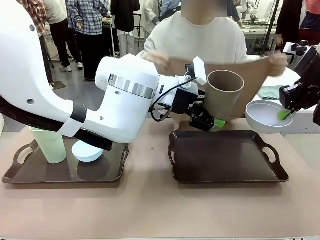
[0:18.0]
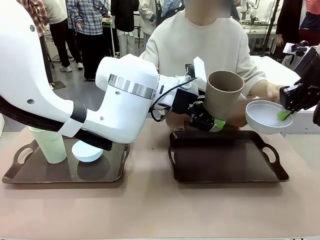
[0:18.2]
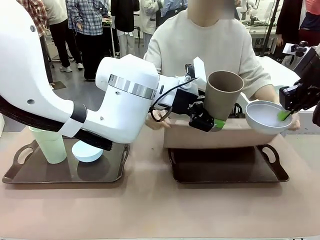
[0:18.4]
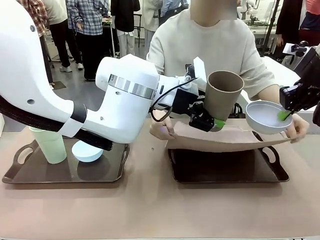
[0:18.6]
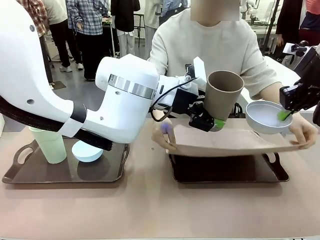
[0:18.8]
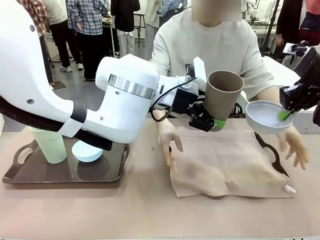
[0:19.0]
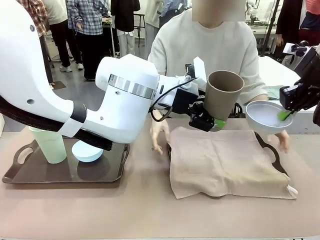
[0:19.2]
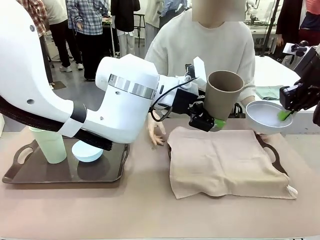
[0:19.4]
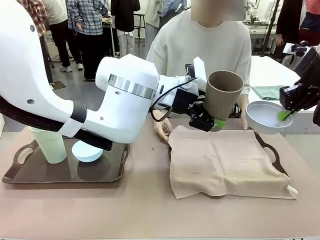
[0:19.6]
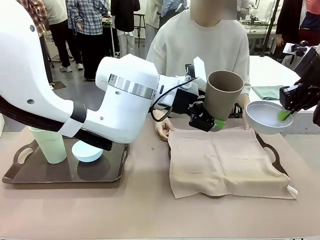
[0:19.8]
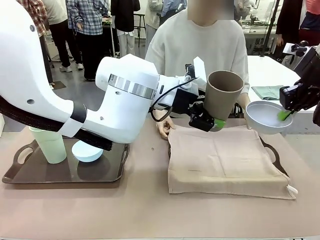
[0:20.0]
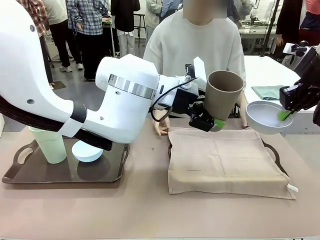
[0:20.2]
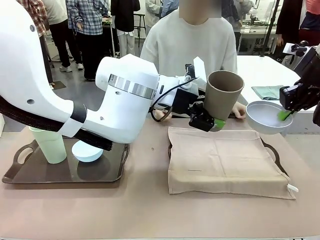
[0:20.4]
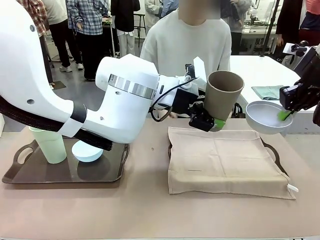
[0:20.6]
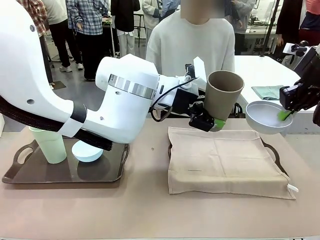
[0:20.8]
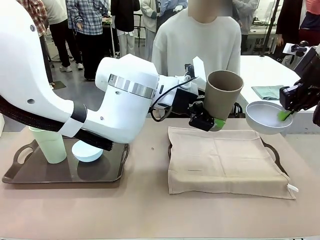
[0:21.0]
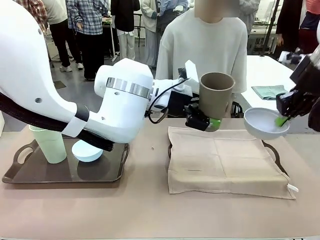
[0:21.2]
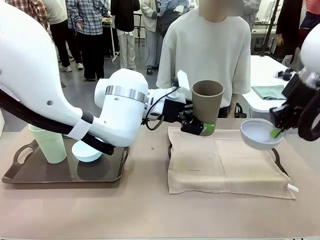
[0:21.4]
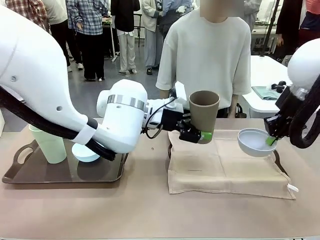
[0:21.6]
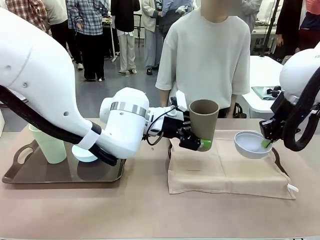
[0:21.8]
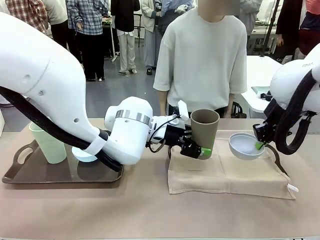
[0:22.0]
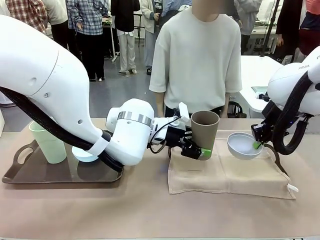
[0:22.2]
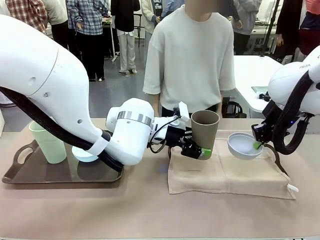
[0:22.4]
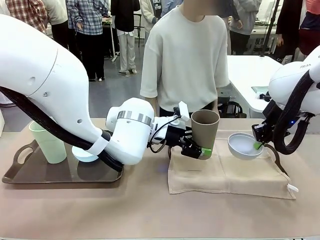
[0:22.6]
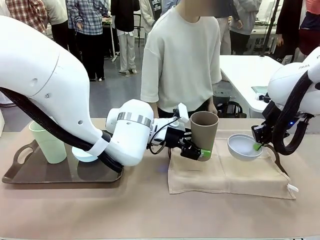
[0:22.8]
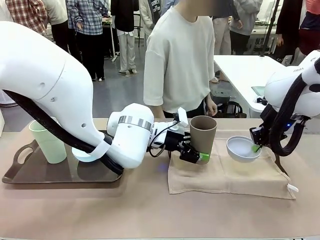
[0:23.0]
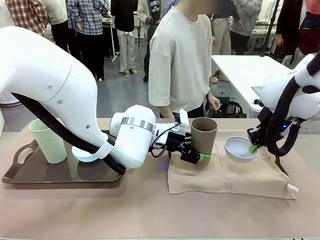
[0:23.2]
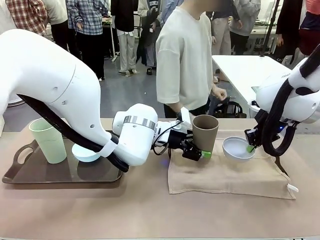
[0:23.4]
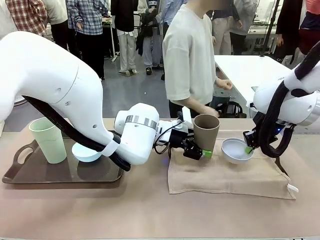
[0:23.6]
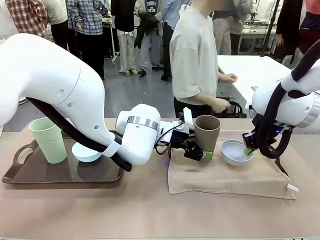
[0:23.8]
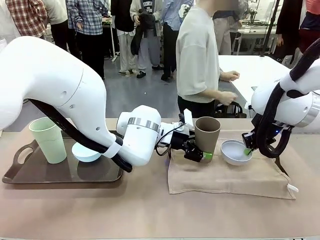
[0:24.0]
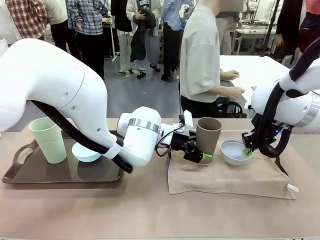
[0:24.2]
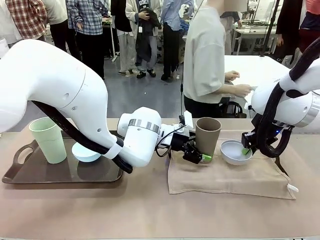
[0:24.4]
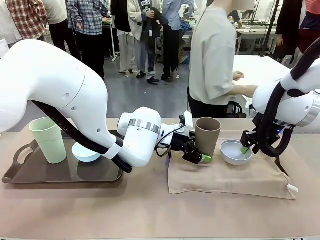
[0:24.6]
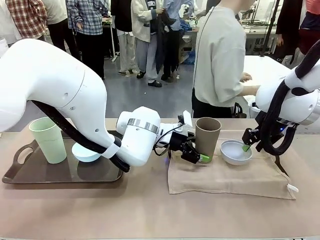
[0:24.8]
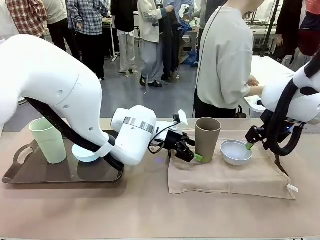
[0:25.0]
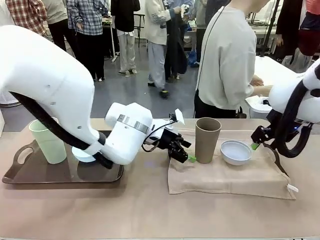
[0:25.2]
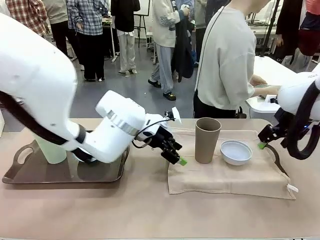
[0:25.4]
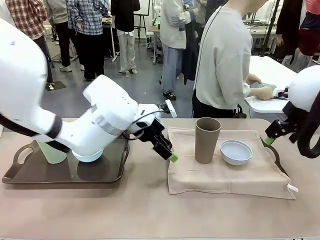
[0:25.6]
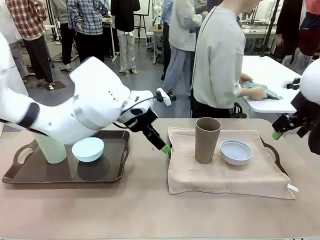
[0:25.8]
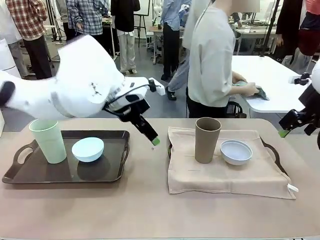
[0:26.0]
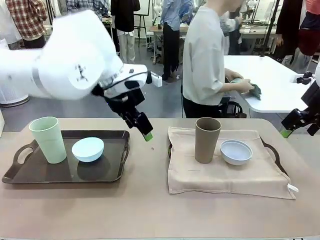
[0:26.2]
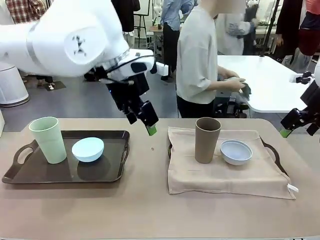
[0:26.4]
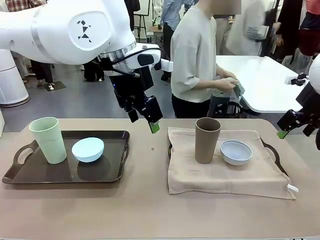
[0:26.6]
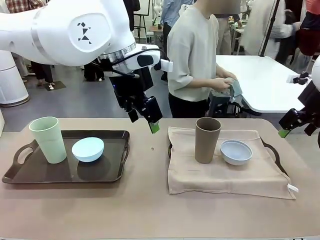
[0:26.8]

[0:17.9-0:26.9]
Robot: Place the Picnic Bowl and Reusable plastic cup back onto the Handle tray in front of the human's position.
Person: The human returns to the human table to pick up another napkin and walks to the robot table to stand in front of the tray without a napkin.

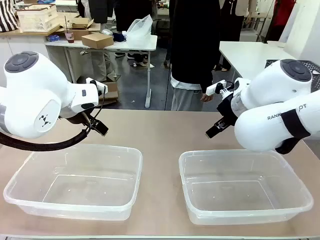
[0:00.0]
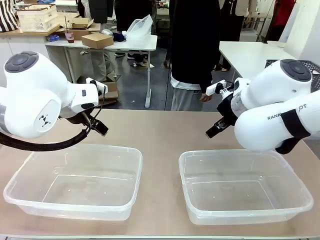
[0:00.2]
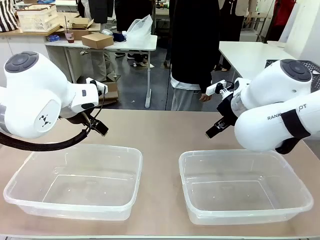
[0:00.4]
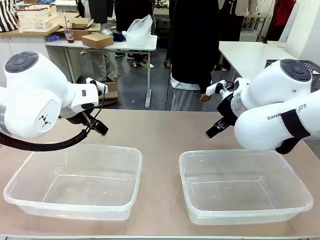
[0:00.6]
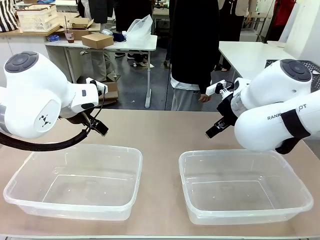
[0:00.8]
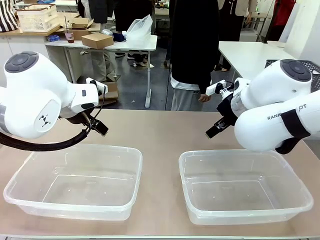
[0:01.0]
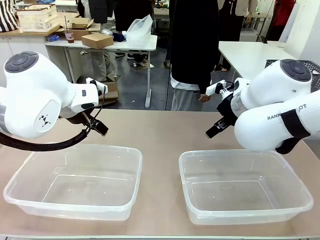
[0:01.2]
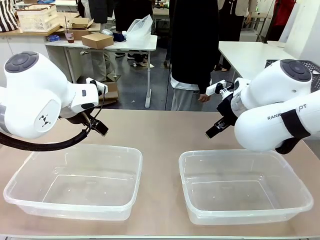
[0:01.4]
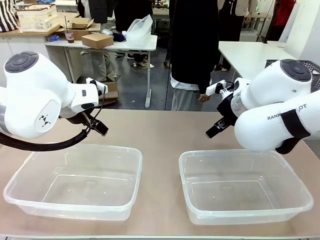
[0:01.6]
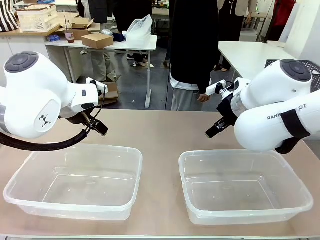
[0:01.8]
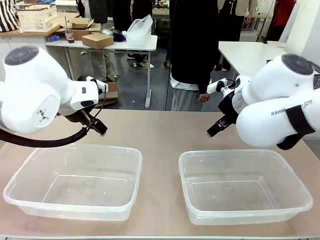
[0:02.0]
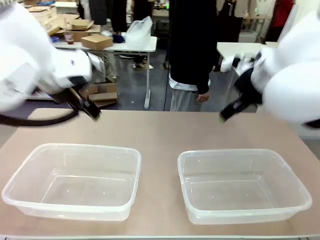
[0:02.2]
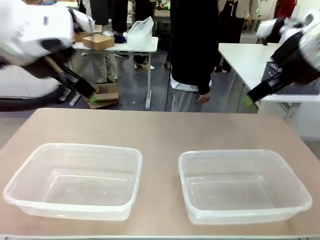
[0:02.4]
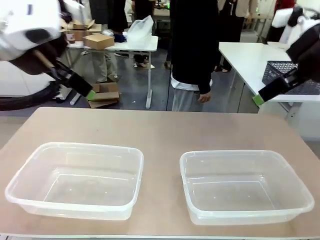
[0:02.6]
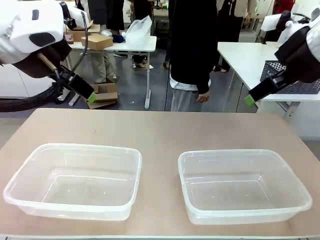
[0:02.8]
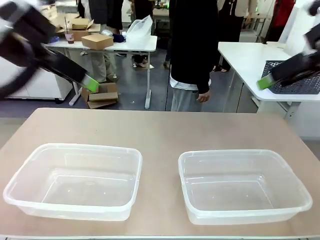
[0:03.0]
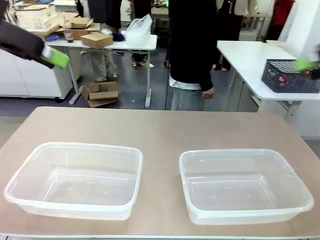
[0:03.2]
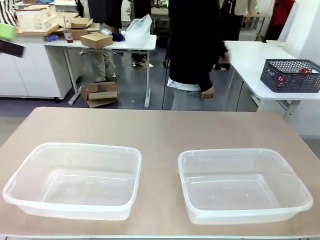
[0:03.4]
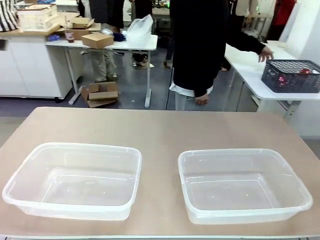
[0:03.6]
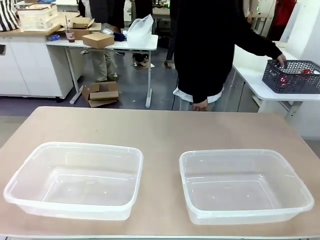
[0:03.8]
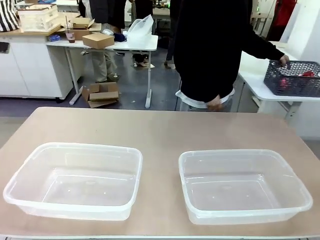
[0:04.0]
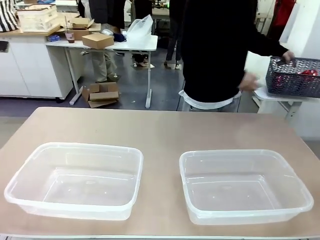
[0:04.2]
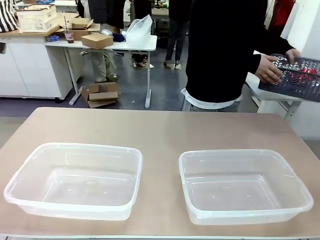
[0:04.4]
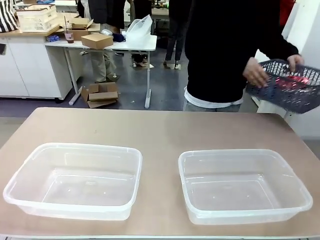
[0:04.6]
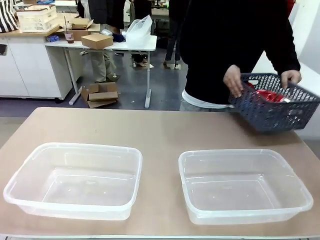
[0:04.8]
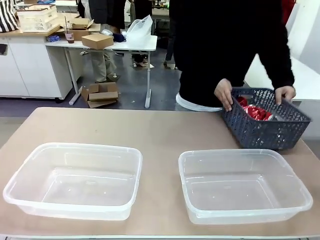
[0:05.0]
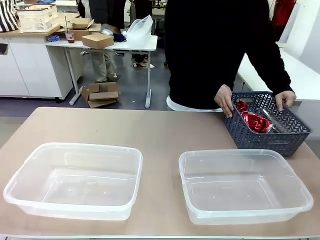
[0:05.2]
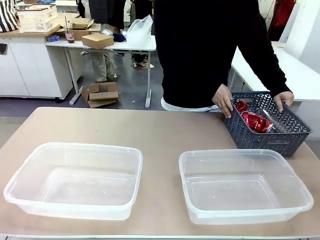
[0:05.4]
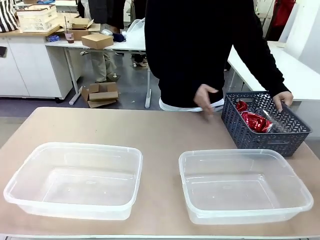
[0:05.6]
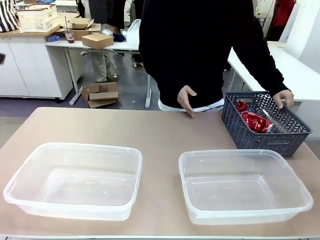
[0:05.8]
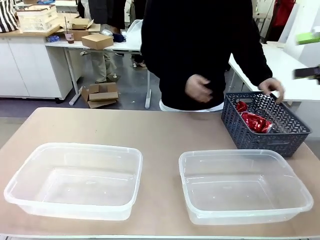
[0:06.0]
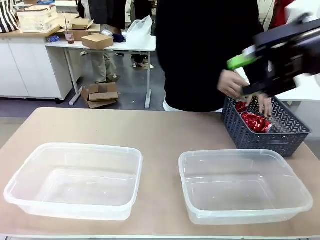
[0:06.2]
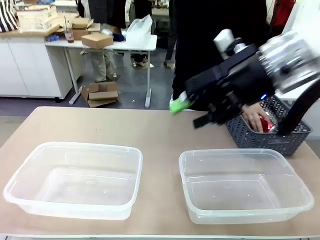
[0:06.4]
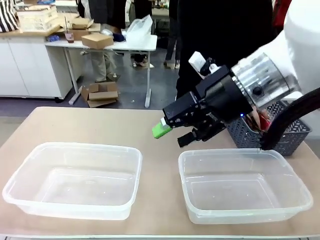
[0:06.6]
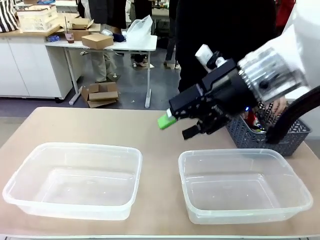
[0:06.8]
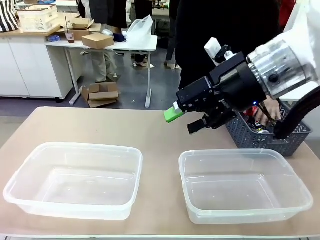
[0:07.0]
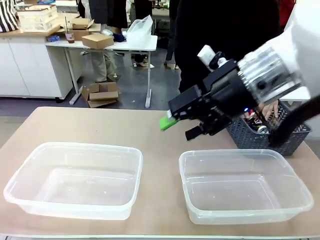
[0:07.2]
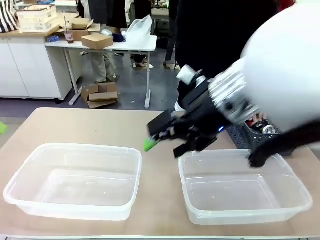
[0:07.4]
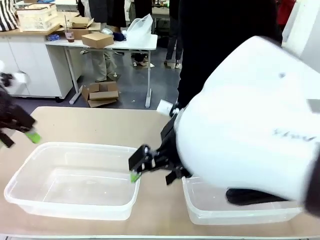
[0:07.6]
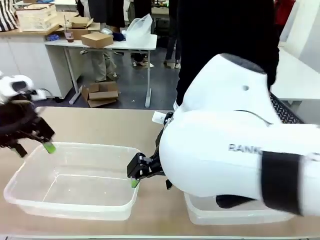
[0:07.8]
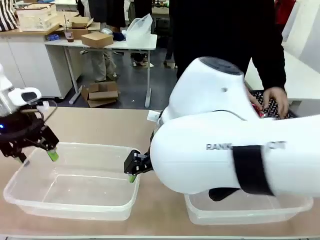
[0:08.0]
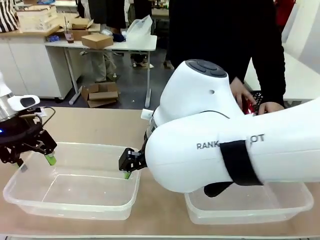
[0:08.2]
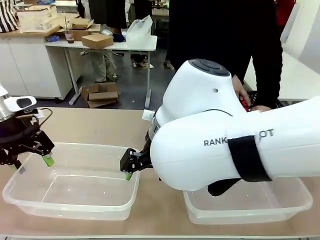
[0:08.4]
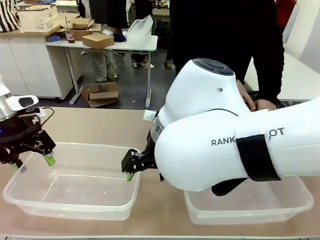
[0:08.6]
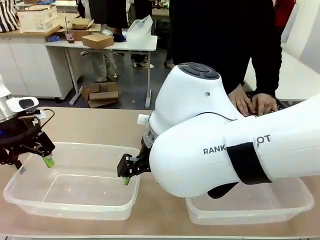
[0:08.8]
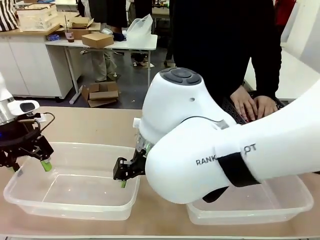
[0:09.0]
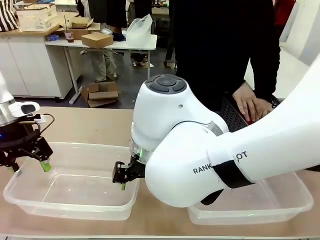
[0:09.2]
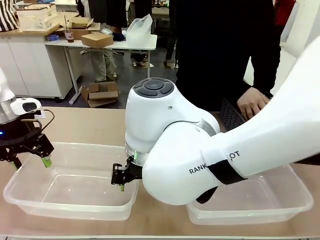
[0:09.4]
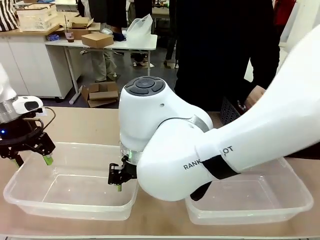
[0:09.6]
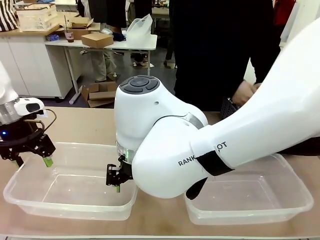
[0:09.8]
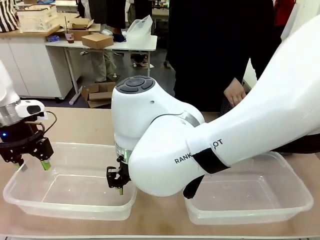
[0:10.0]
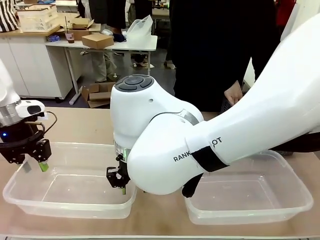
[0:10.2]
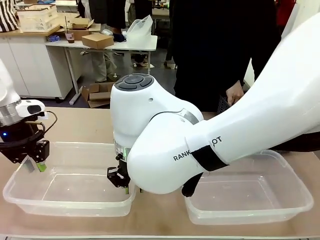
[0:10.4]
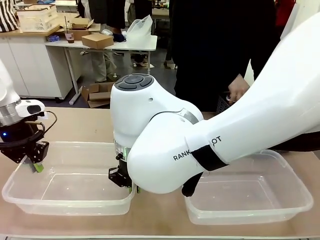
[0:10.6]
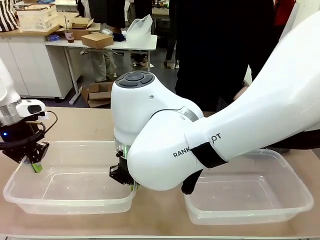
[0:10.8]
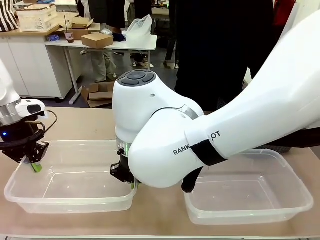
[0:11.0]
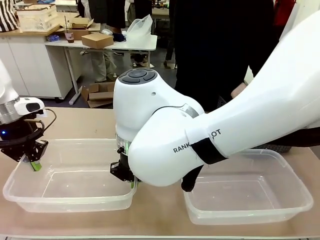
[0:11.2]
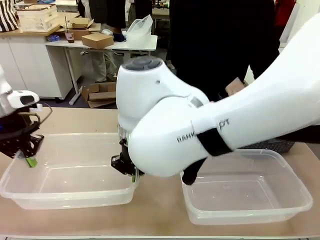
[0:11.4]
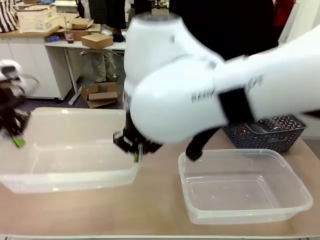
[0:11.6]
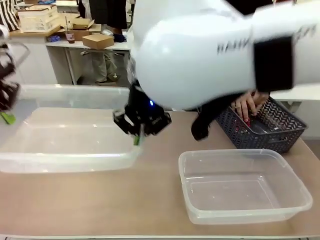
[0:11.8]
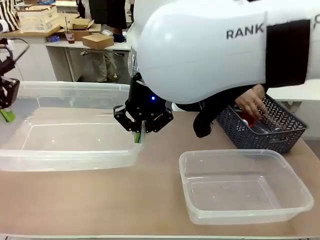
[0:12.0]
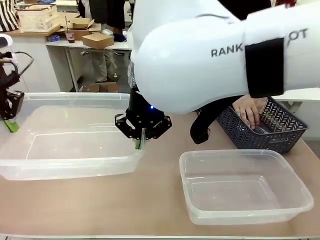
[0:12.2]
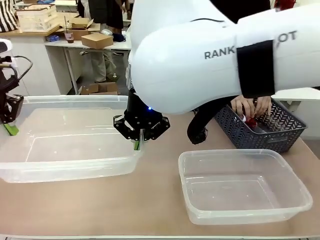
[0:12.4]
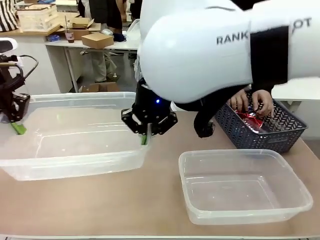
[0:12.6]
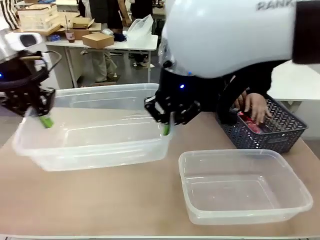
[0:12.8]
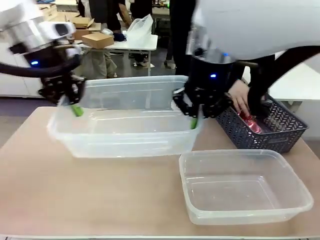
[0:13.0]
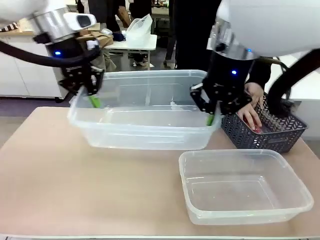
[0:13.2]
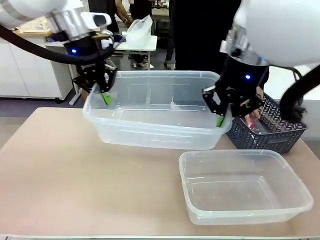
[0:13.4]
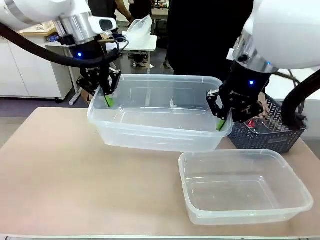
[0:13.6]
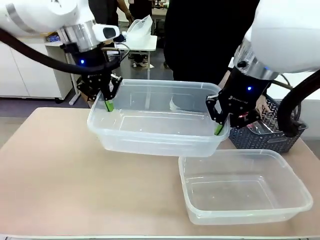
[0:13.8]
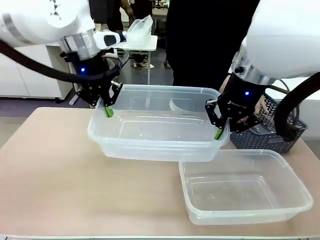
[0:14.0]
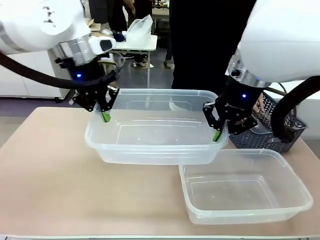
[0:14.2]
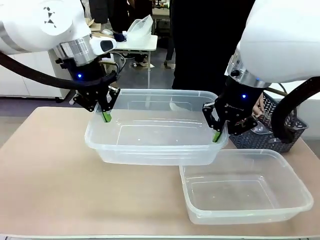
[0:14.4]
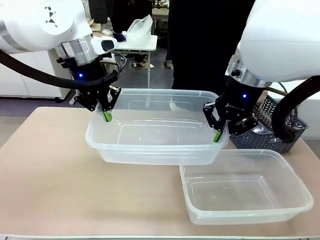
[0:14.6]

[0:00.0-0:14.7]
Robot: Pick up the Organizing box on the left side of the table and lift it.
Person: Pick up the storage basket and place it on the left side of the robot table. Pick up can-shaped waste one by one and place it into the organizing box lifted by the robot.
